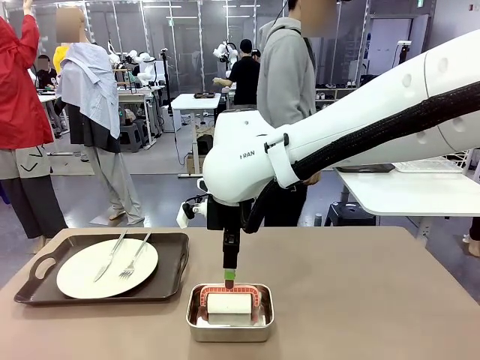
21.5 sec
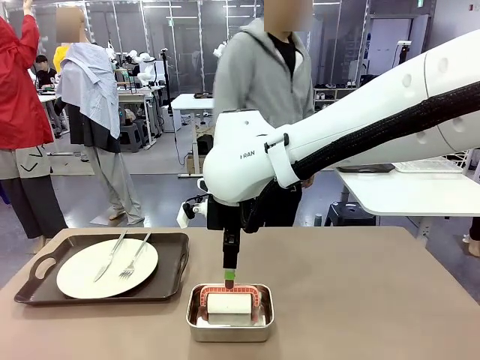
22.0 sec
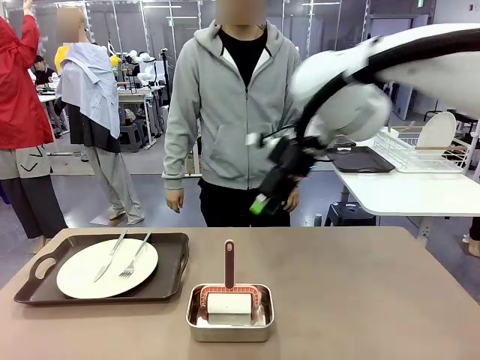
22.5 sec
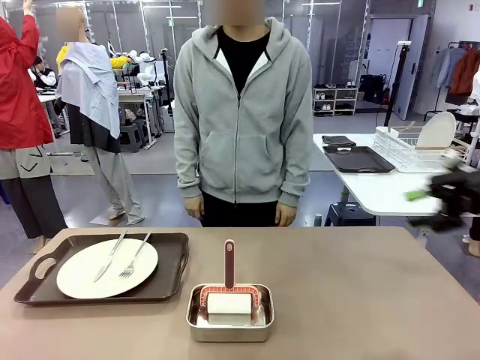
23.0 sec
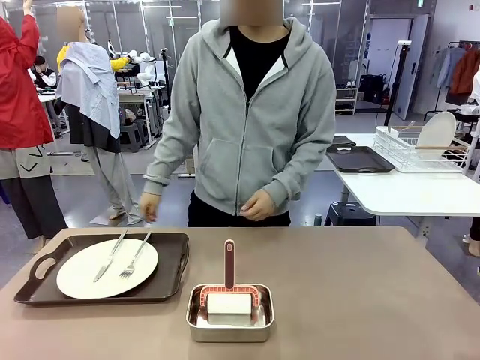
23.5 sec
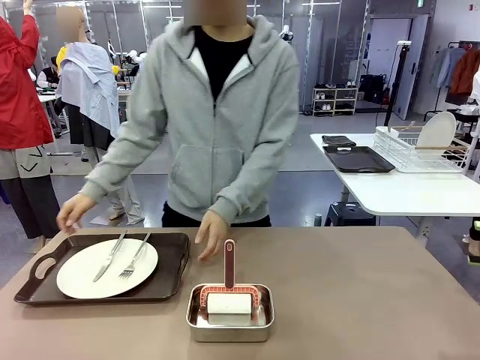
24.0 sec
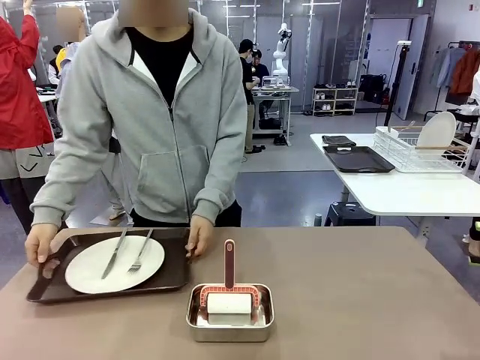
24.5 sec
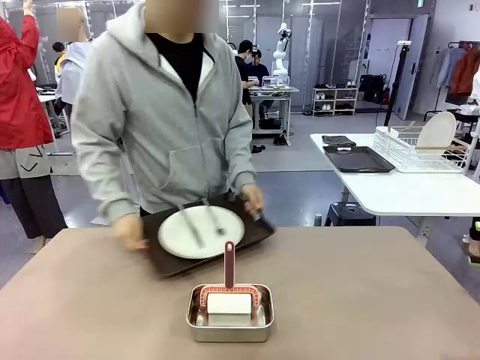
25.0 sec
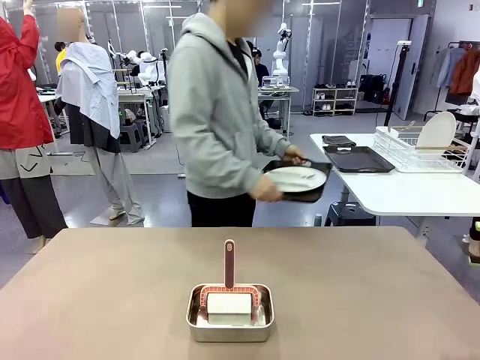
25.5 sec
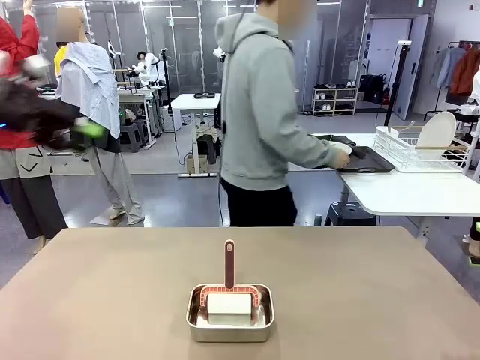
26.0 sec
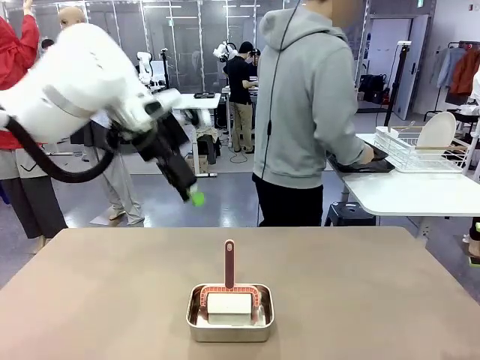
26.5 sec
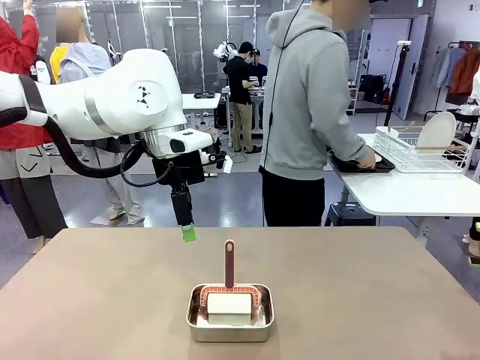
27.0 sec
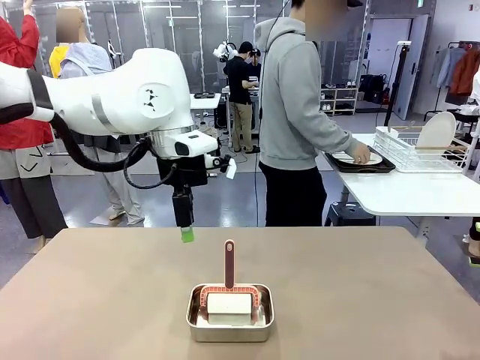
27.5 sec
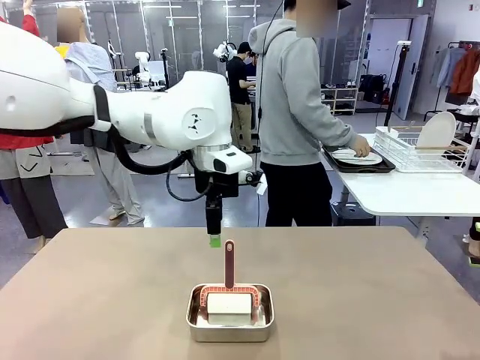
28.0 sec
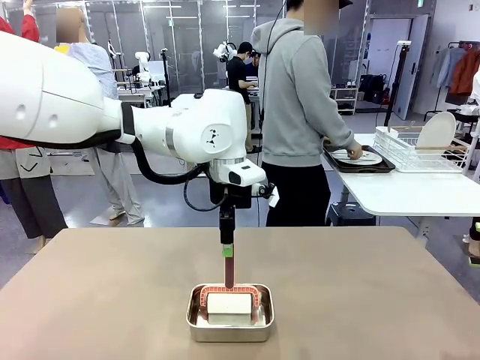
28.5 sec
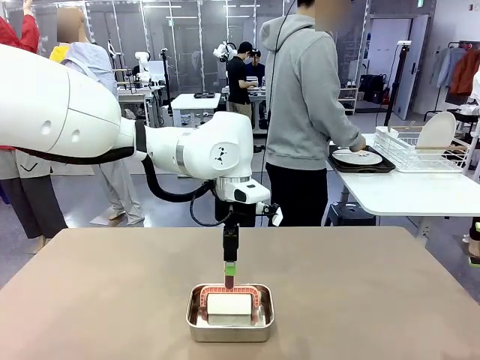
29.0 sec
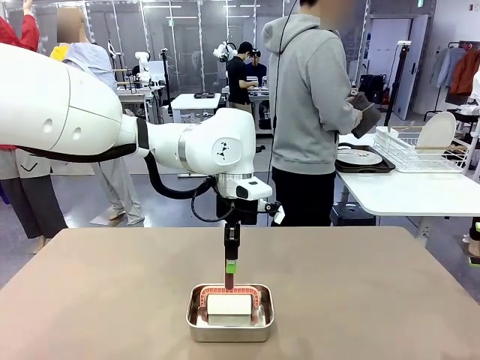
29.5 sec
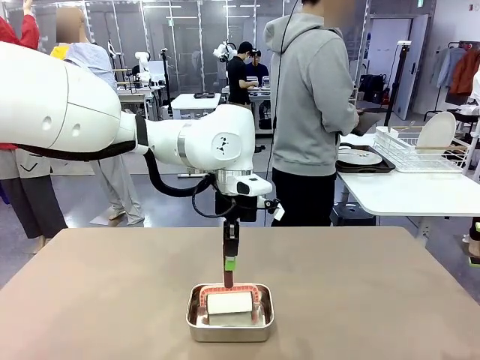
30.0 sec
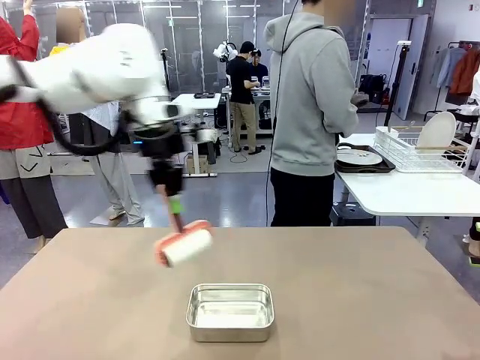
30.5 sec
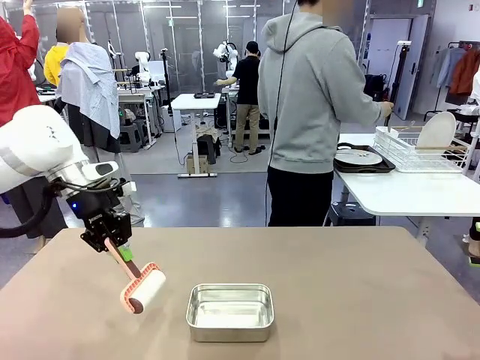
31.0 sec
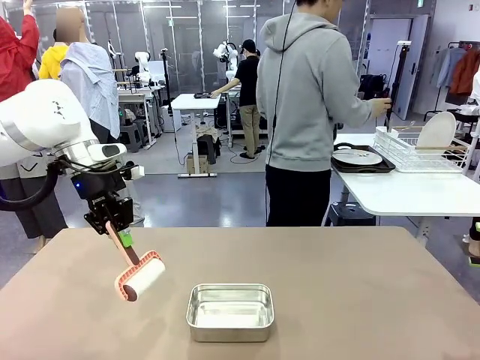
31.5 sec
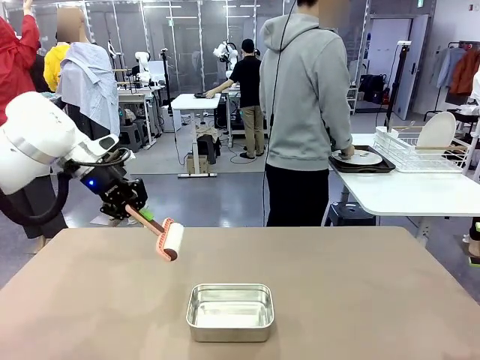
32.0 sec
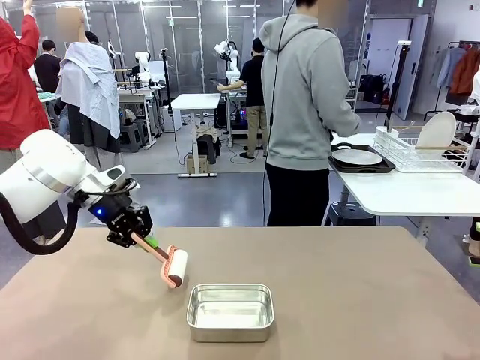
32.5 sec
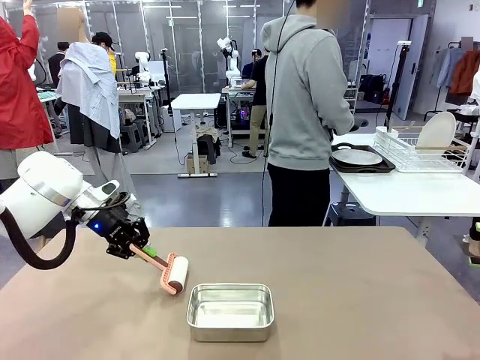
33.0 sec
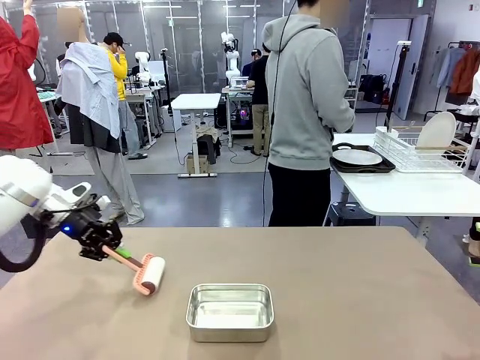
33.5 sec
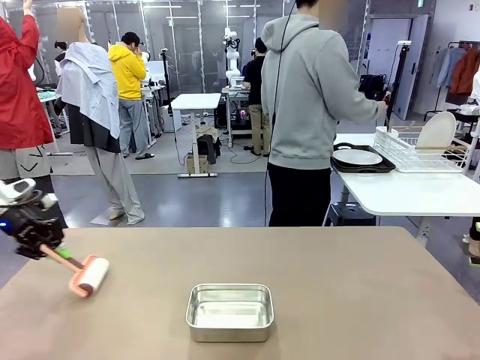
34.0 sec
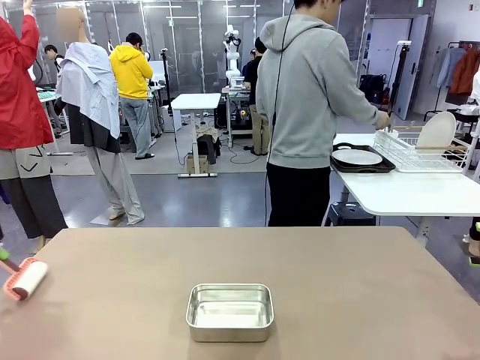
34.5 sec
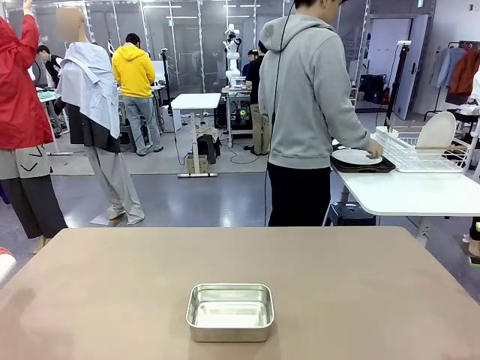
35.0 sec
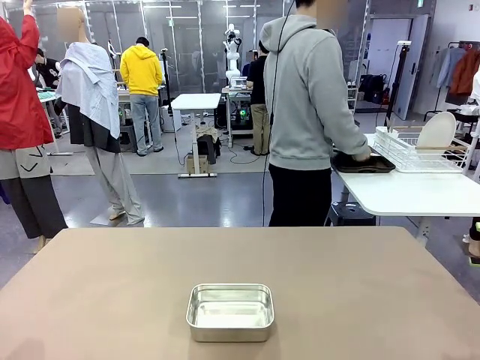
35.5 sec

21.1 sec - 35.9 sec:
Robot: When the right (or left) Handle tray is removed, use the right hand (or left hand) to clean the right (or left) side of the table with the Lint Roller.
Person: Pick up the left (or right) Handle tray and place it on the Handle tray.

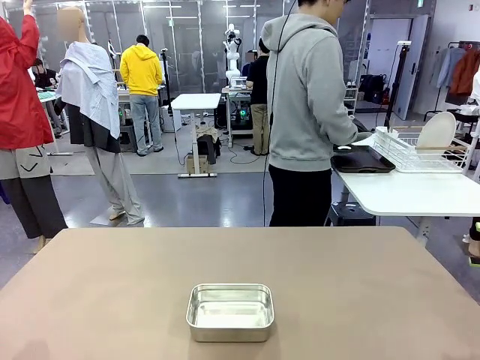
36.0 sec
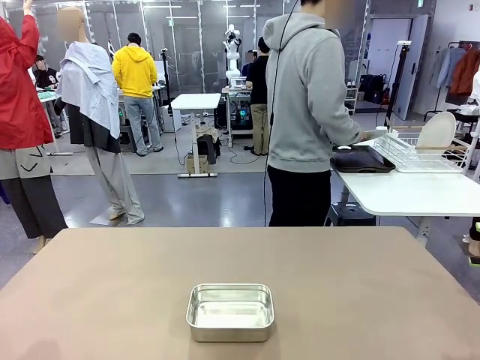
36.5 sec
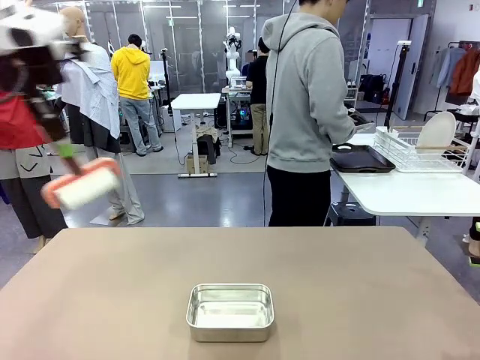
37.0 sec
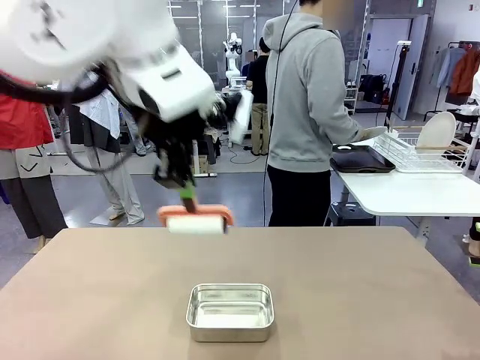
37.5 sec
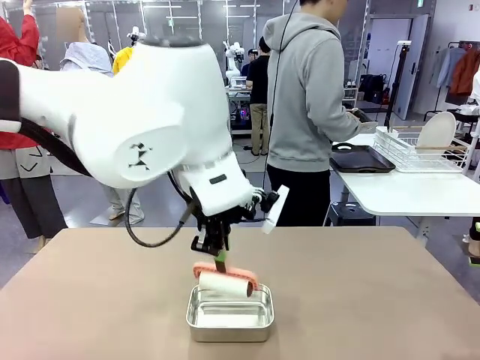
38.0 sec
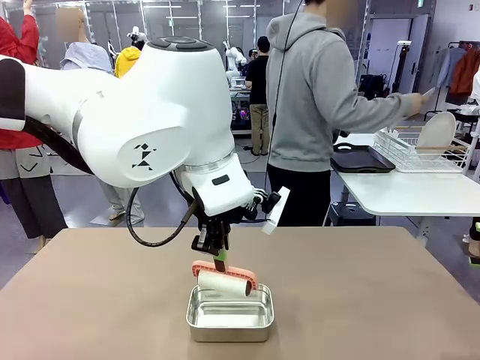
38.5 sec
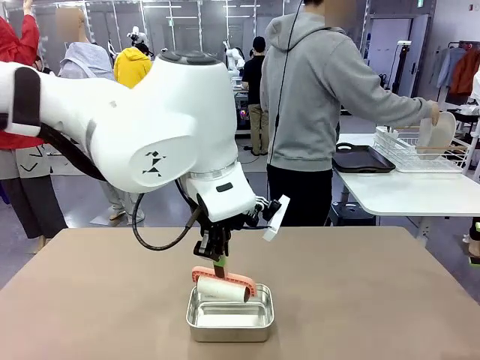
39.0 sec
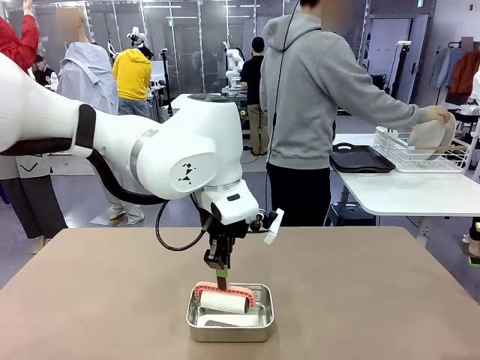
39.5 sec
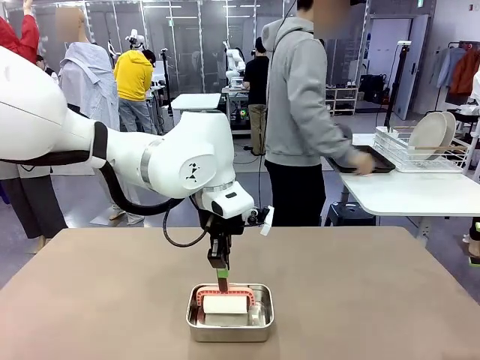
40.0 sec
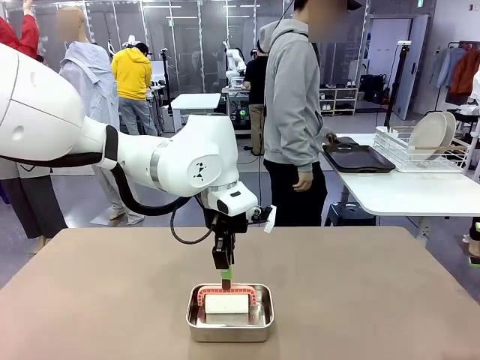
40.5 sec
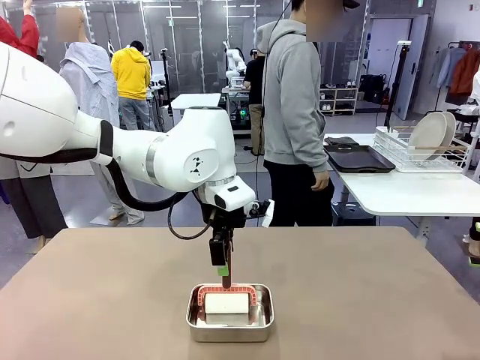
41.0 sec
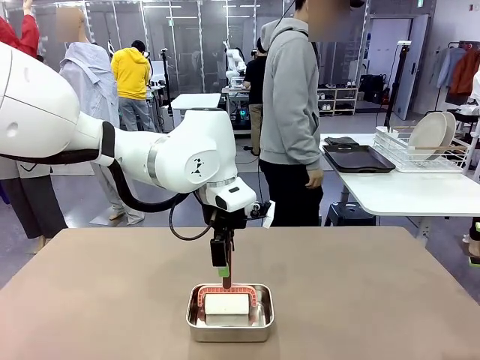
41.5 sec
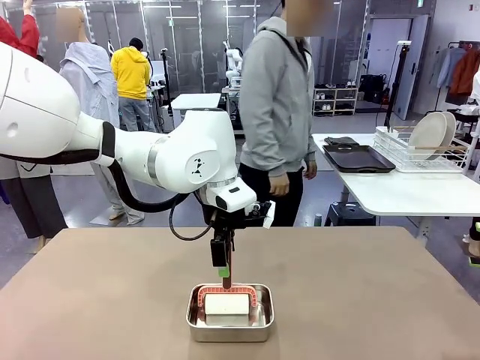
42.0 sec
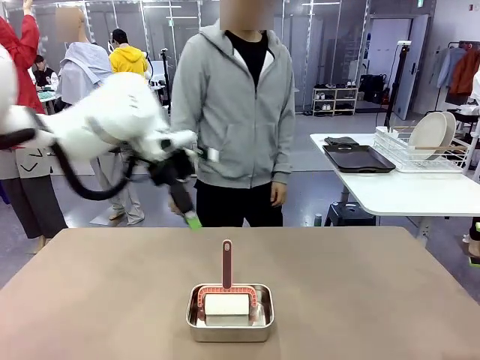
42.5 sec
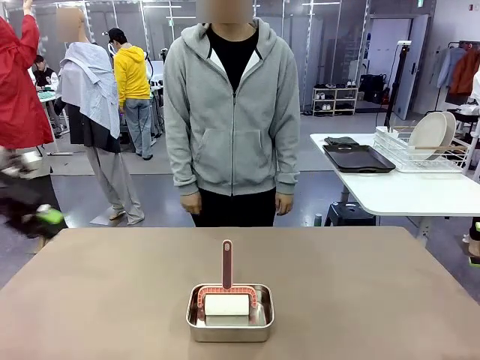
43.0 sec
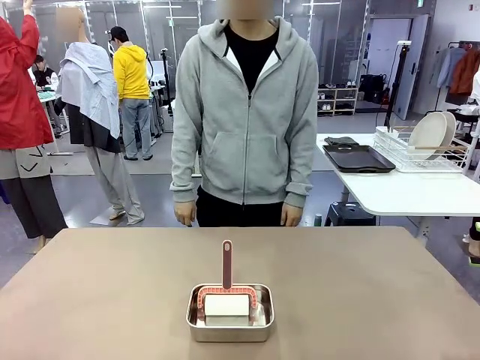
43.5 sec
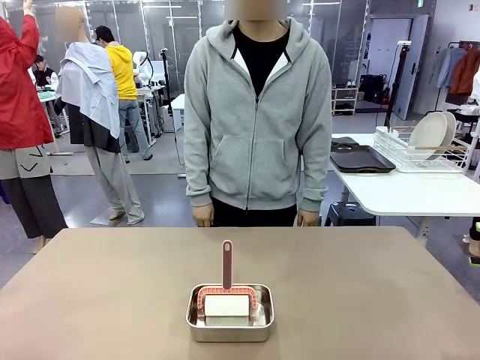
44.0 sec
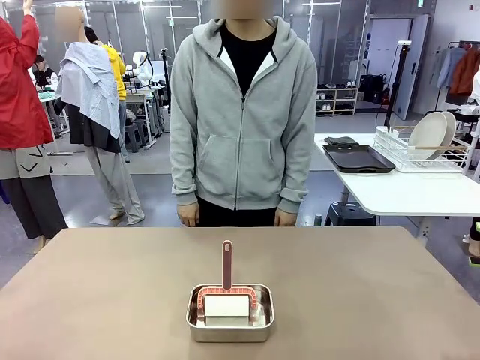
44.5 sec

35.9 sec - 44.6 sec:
Robot: Place the Lint Roller back on top of the Airtight Container.
Person: Use the Towel with hook to wipe the Plastic Matte Plate , Fork , and Knife and place into the Dish drying rack.
